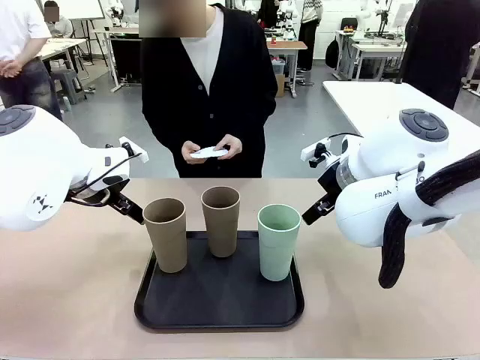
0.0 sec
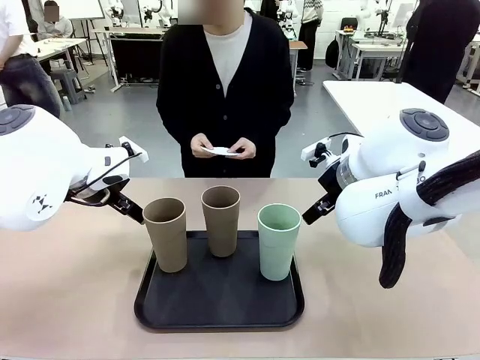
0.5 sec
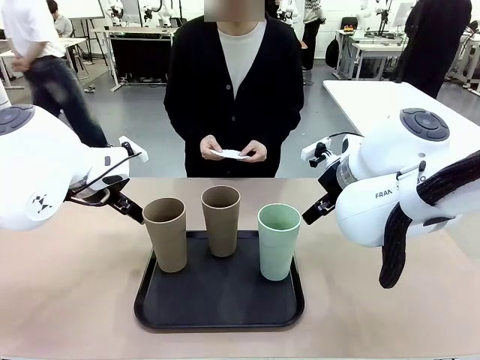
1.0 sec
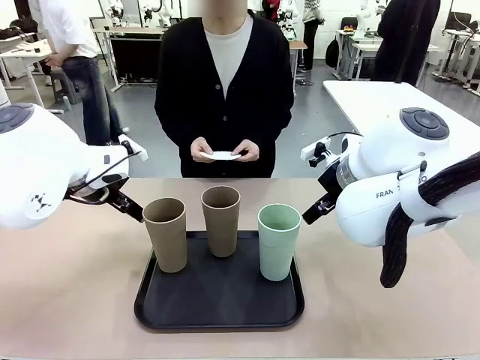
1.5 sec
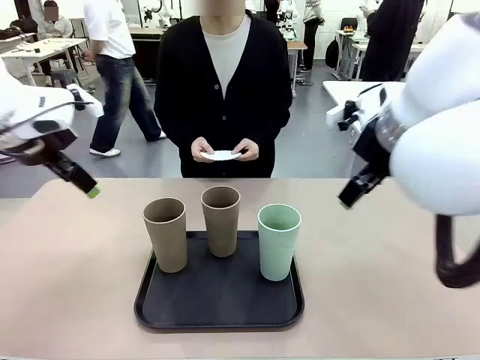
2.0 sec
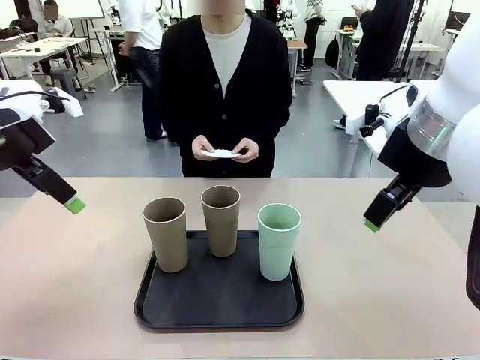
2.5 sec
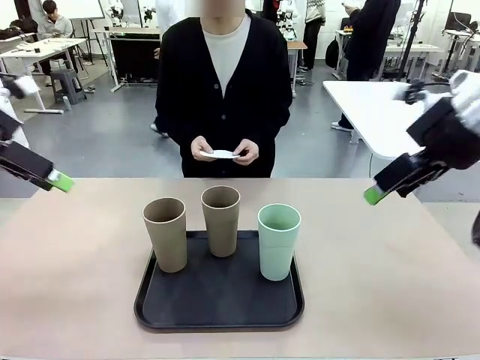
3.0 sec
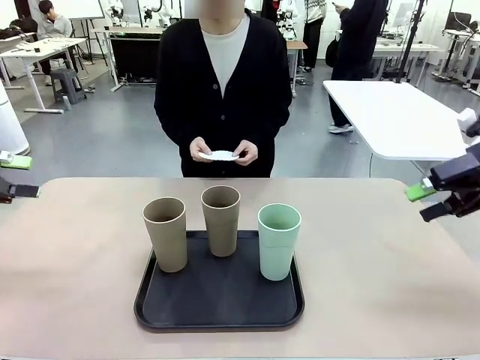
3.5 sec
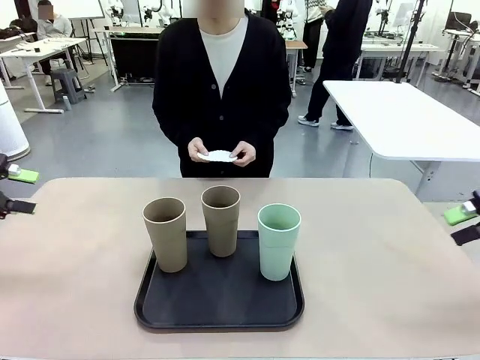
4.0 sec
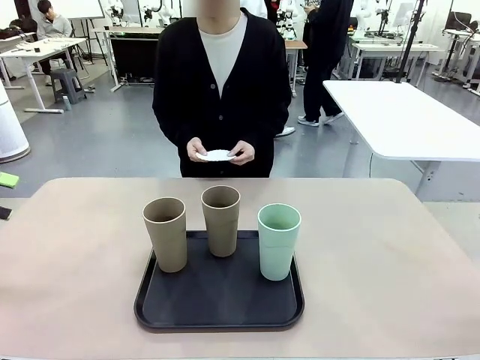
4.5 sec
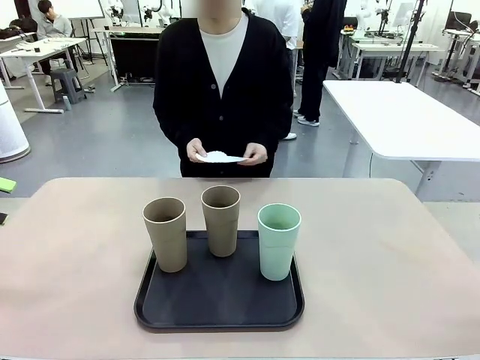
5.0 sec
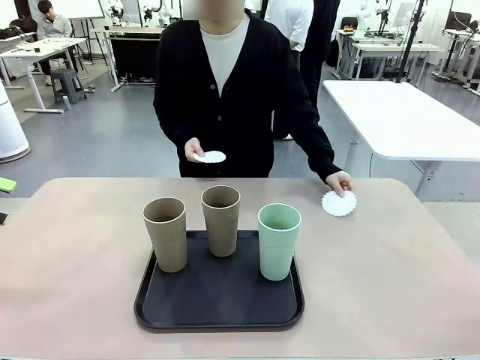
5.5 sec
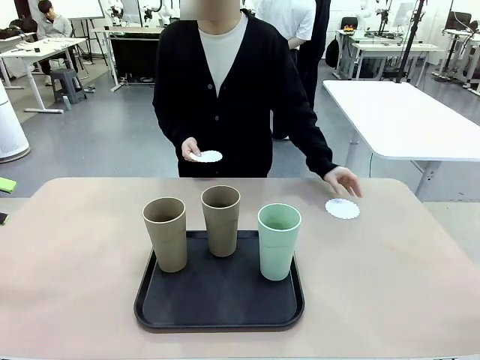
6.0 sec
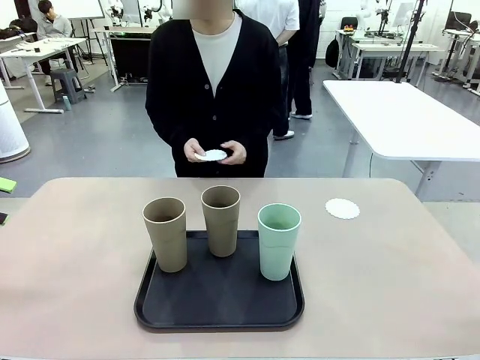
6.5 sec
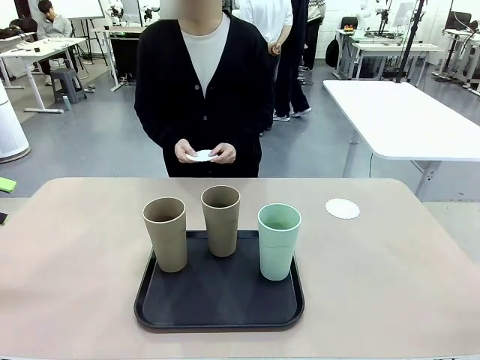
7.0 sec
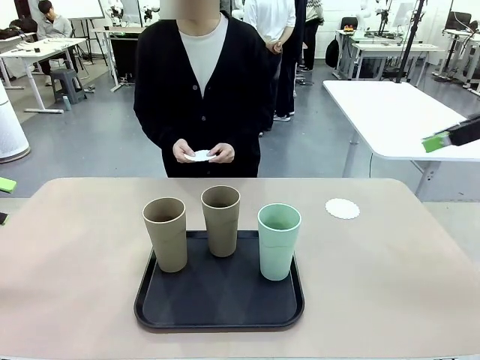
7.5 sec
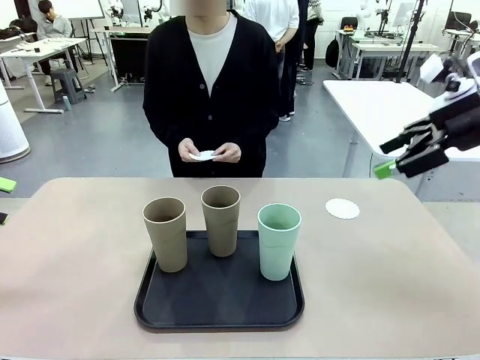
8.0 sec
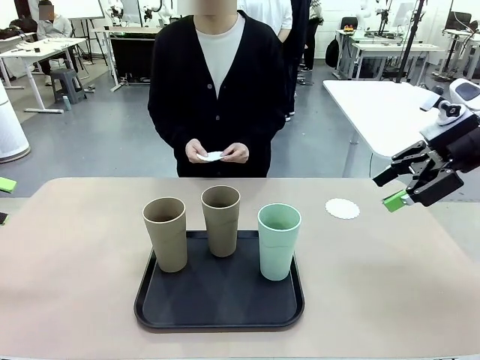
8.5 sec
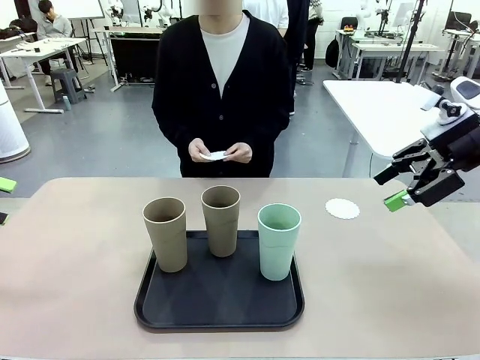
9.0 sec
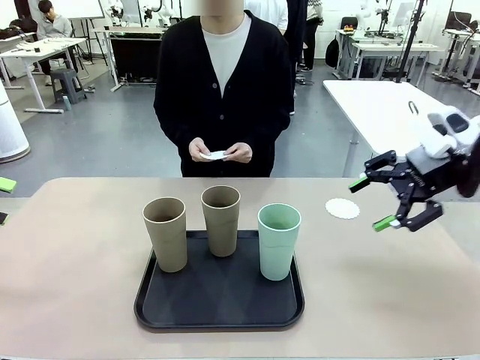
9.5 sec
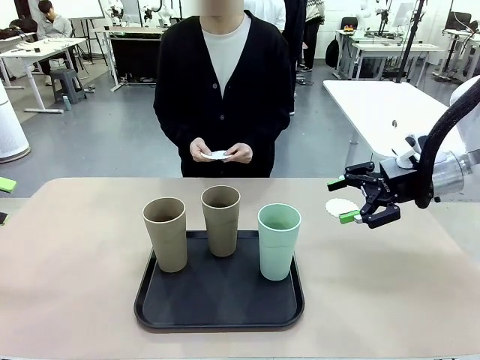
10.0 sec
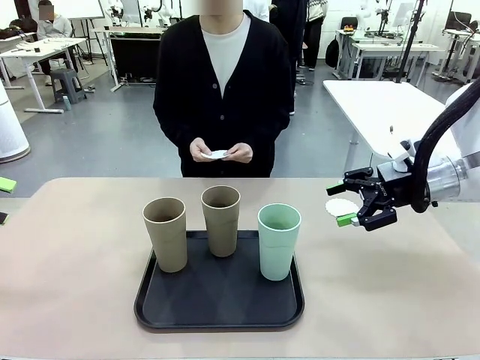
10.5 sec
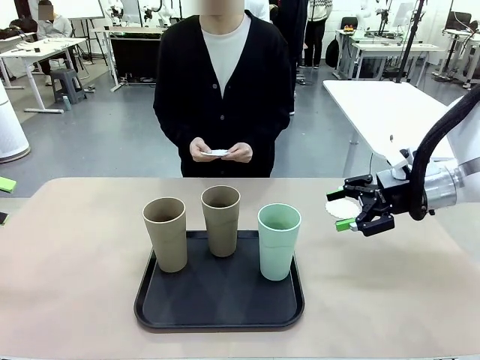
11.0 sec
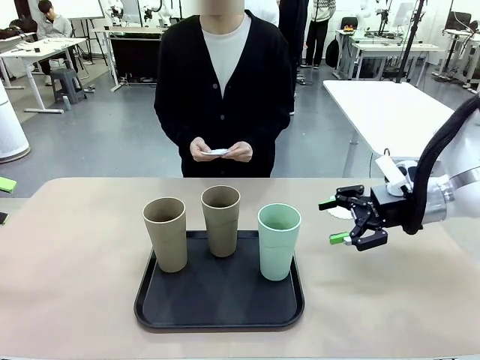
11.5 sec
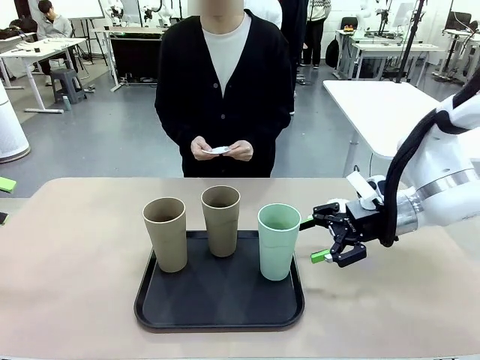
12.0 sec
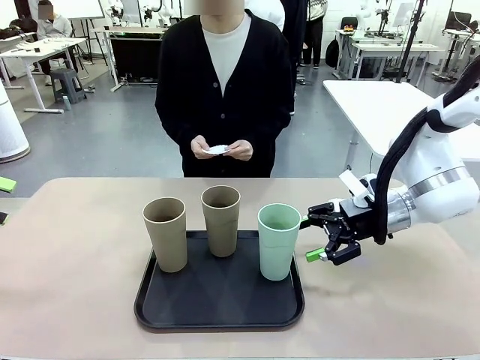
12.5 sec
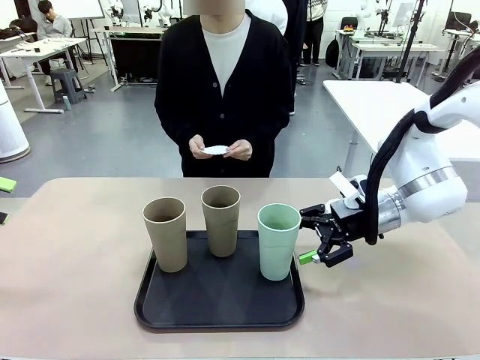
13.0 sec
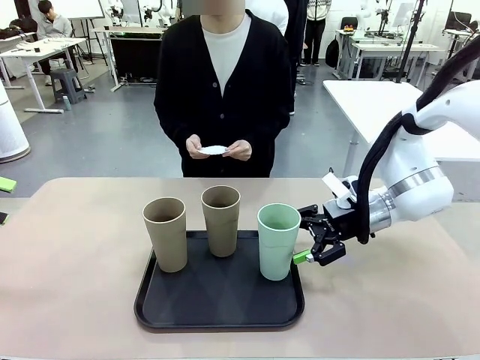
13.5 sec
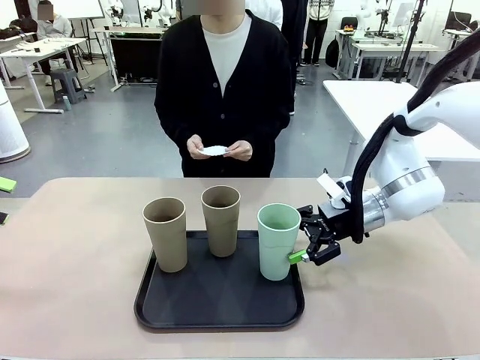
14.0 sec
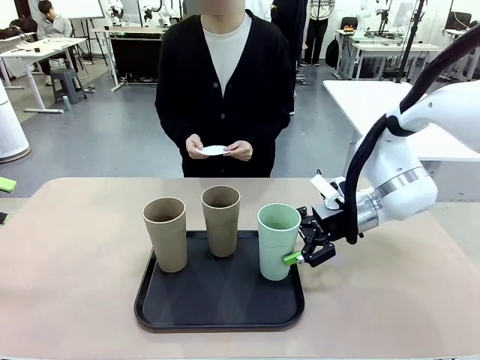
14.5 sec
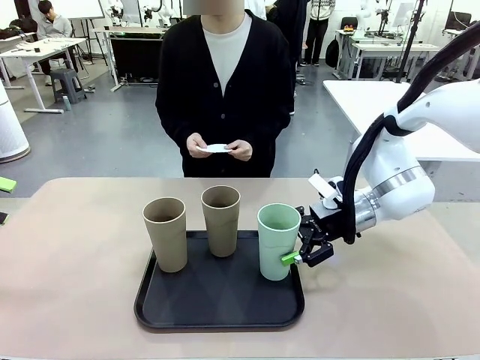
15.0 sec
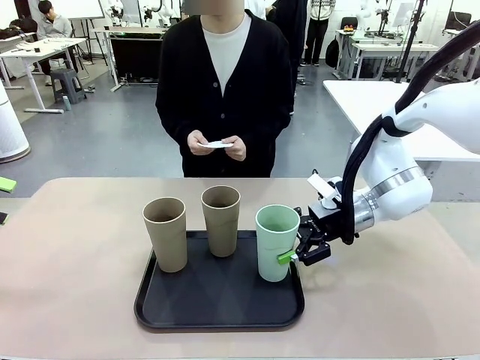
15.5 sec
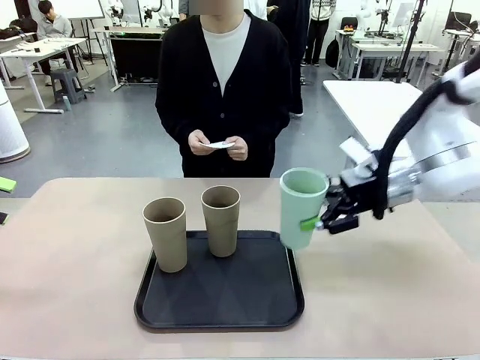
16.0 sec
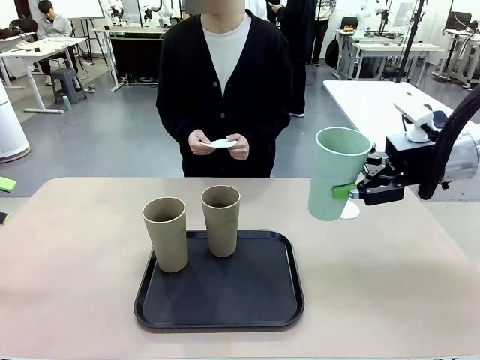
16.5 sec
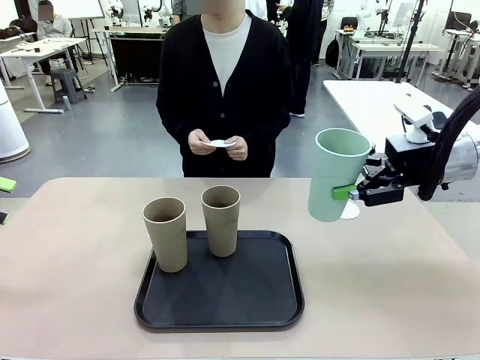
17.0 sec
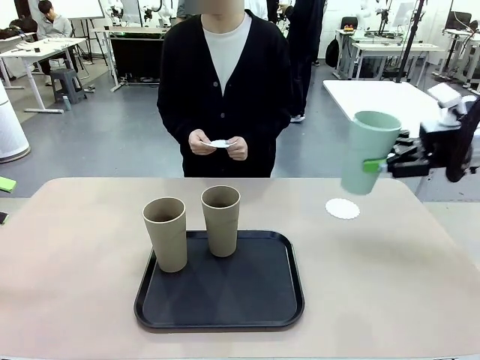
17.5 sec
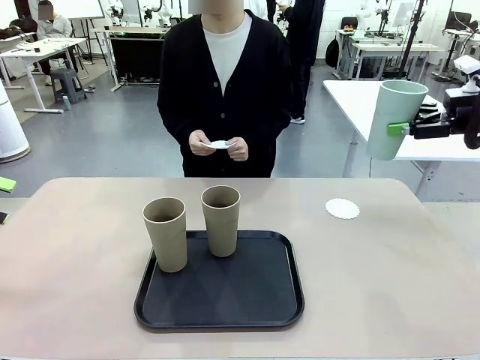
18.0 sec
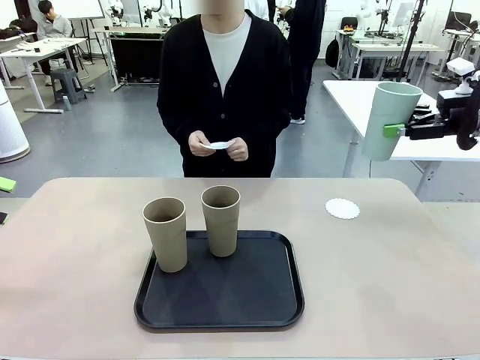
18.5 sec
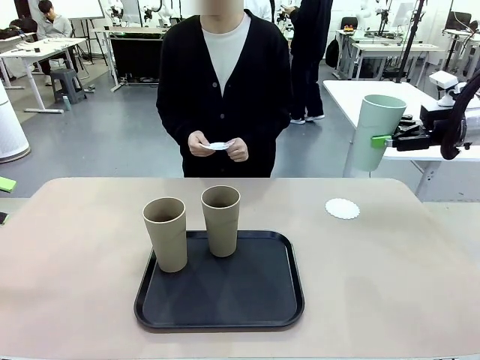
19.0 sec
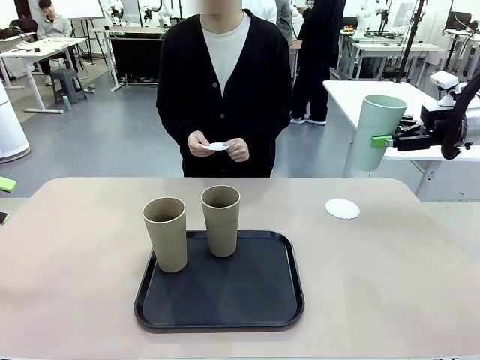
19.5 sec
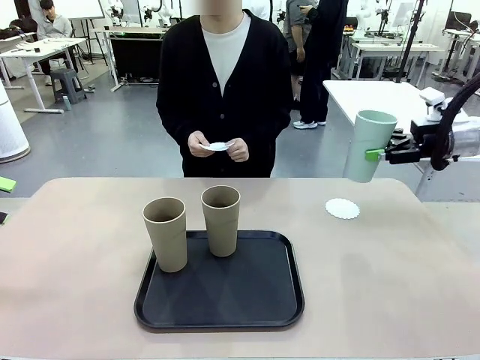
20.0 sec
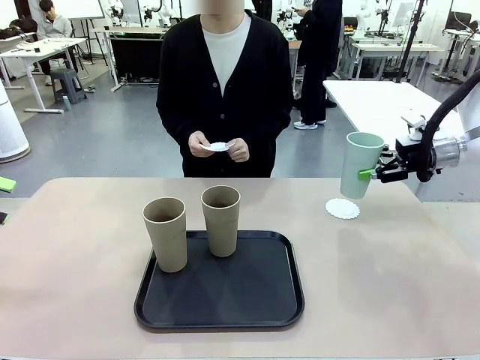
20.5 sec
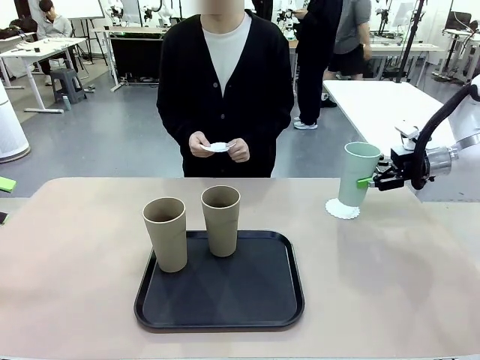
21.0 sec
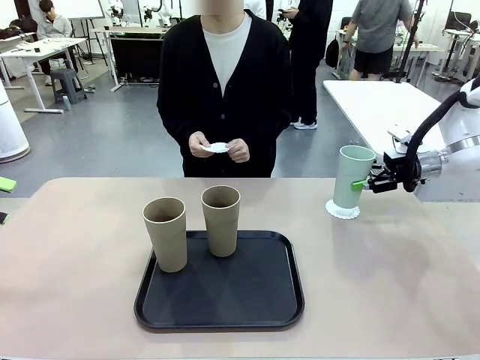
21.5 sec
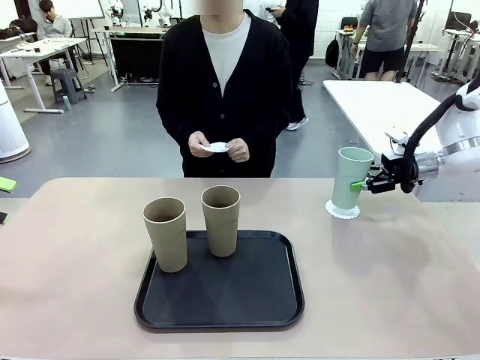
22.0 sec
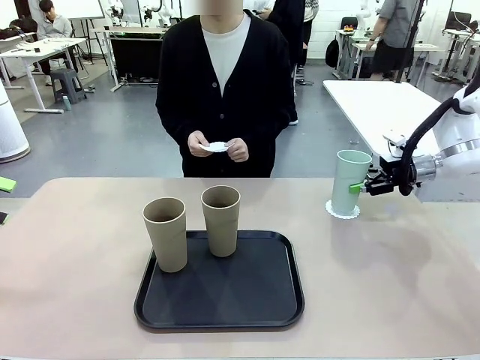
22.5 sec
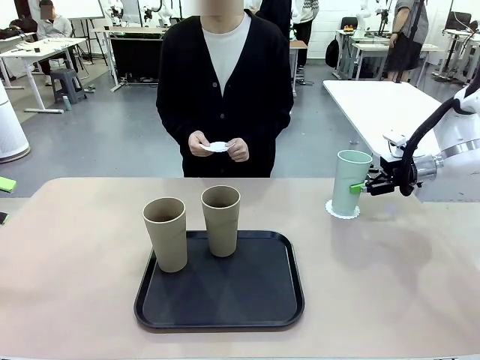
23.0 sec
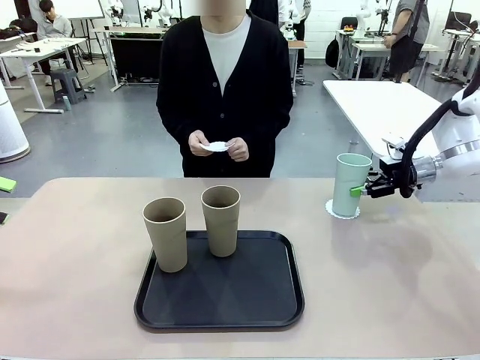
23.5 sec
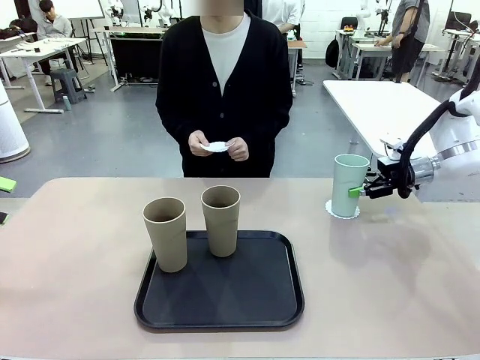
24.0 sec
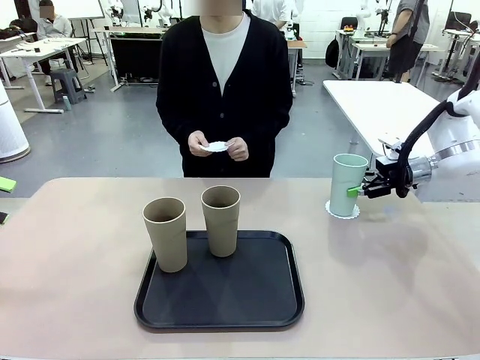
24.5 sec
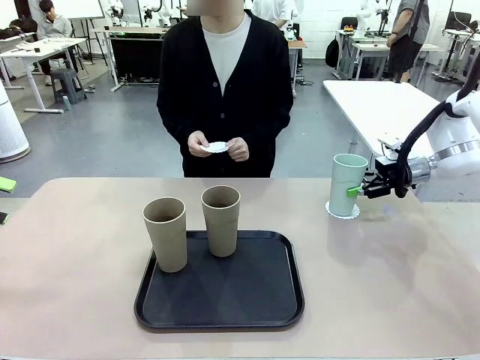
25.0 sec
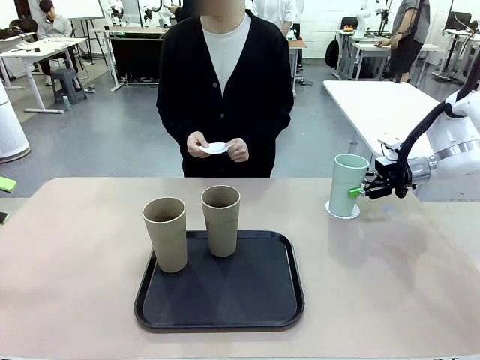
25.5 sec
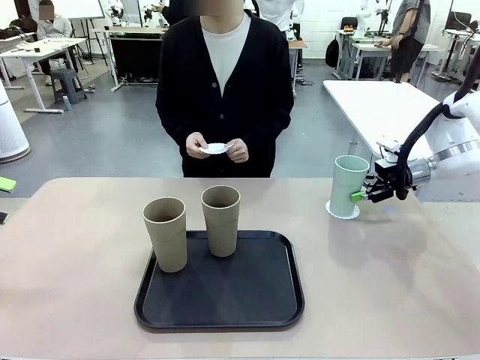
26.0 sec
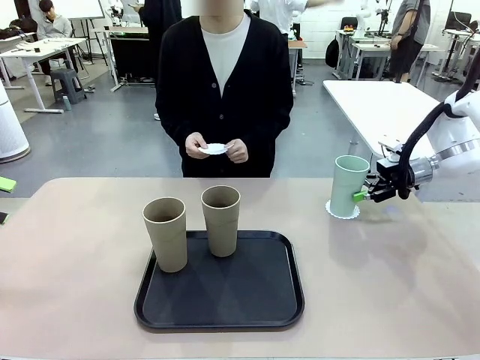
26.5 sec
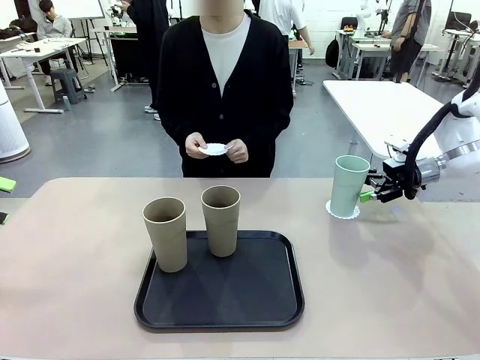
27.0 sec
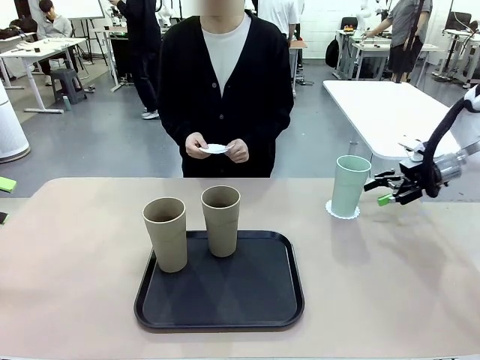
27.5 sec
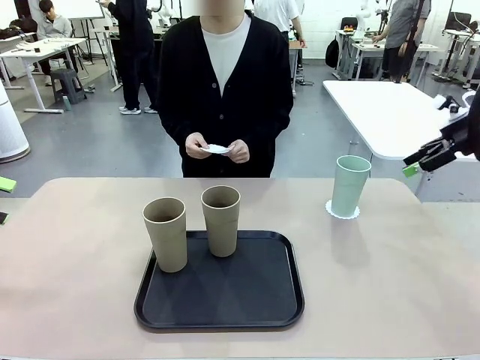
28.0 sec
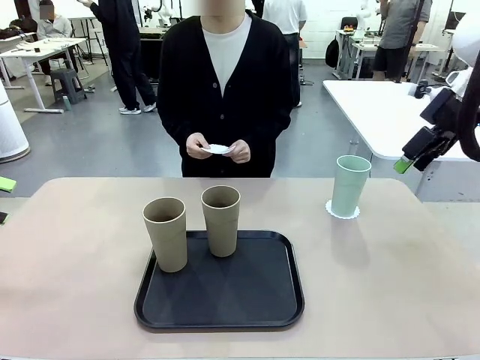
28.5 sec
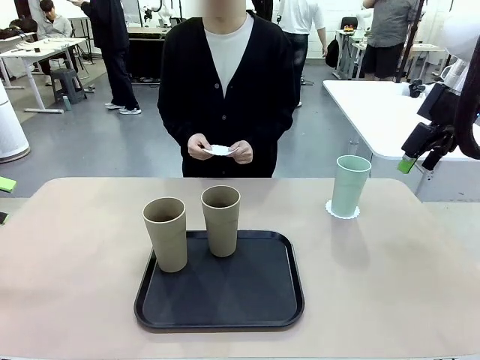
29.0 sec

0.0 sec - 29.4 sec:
Task: Place coasters on the table and set cups on them.
Robot: Pick up one Reusable plastic cup and place it on a coaster set by the human.
Person: Place one coaster in any one of the three lower areas of the robot table (left, center, or right). Place one coaster in one of the two areas excluding the previously selected area.
